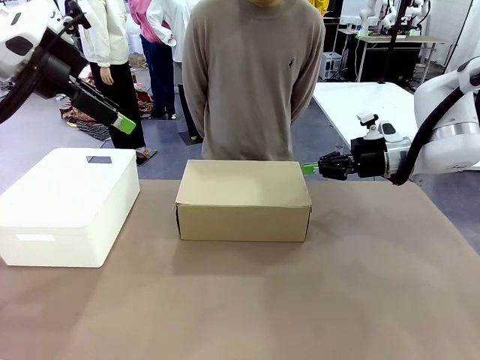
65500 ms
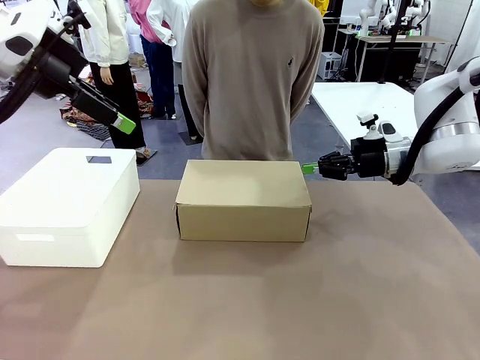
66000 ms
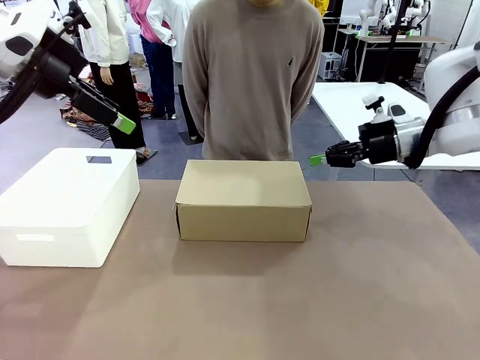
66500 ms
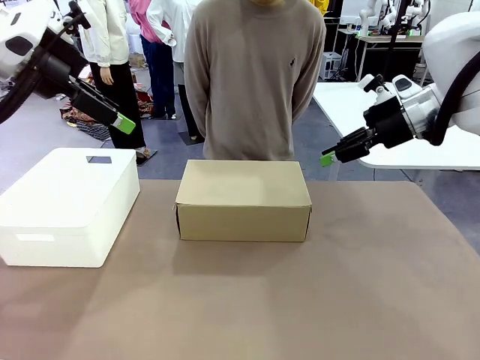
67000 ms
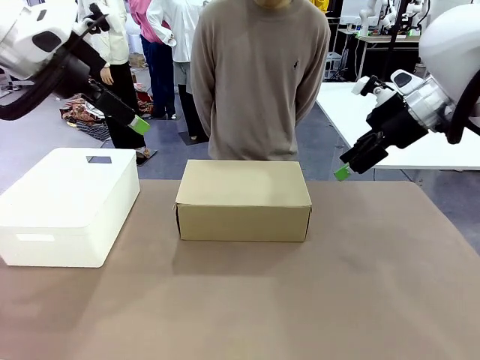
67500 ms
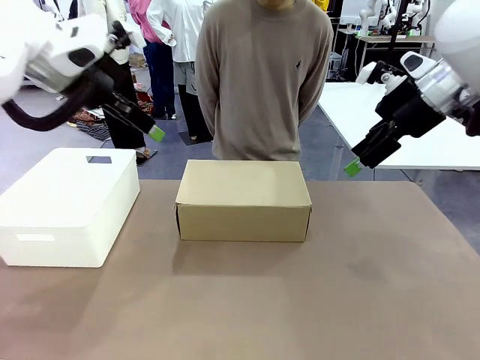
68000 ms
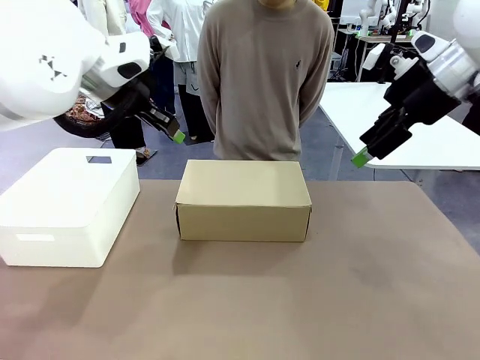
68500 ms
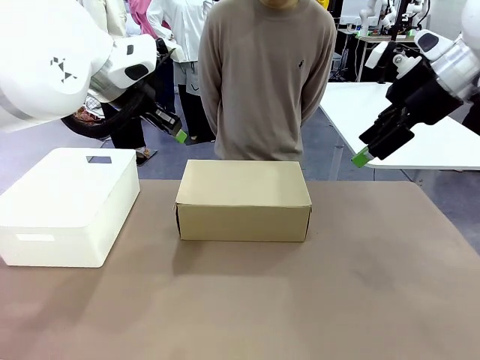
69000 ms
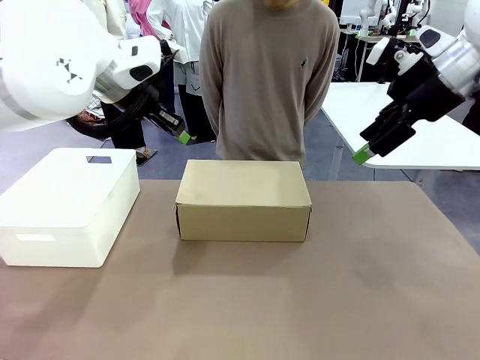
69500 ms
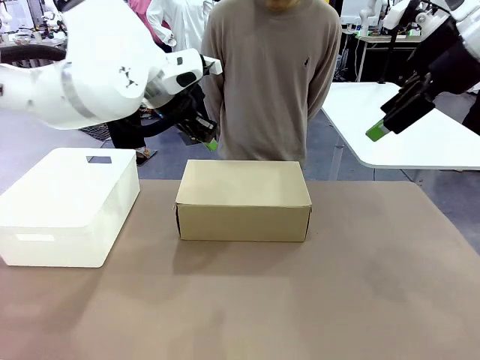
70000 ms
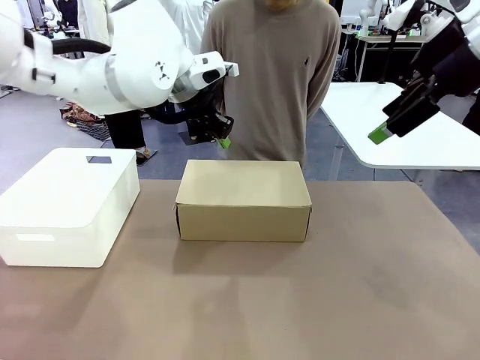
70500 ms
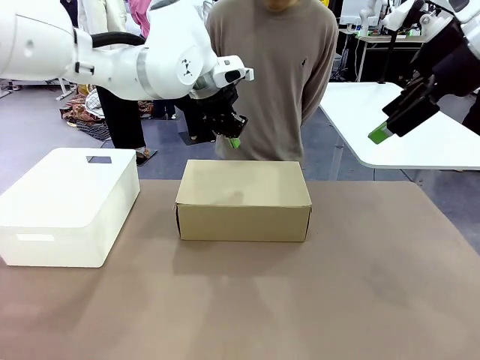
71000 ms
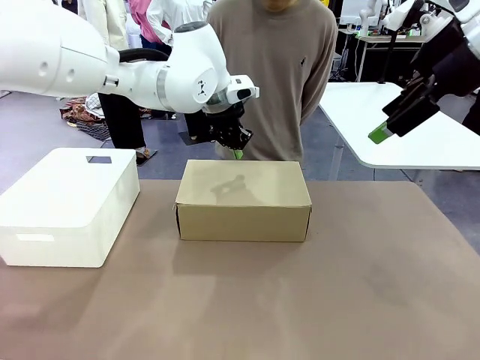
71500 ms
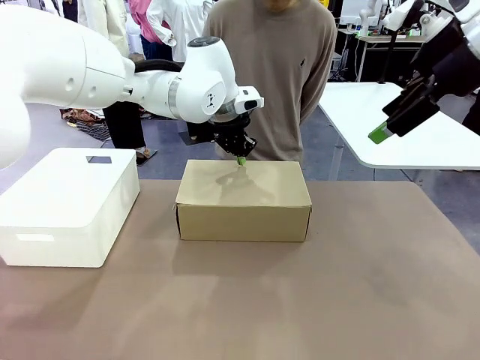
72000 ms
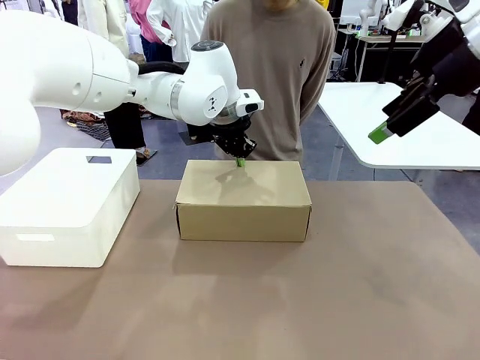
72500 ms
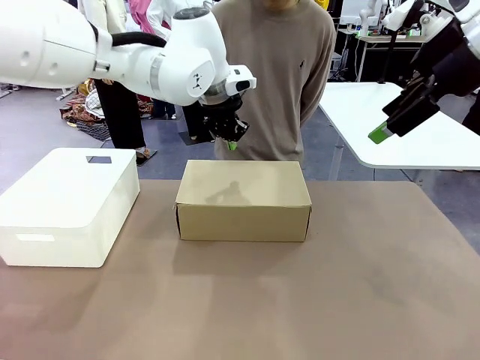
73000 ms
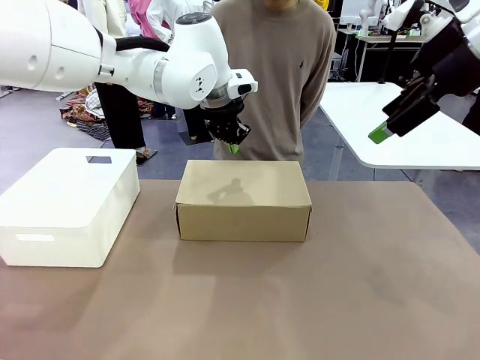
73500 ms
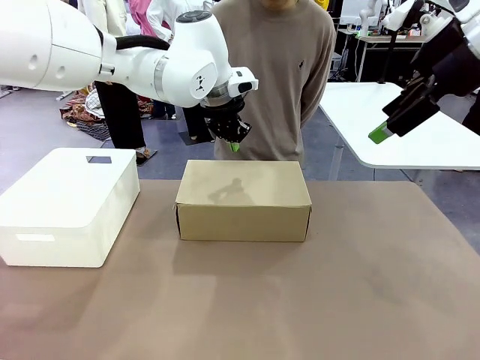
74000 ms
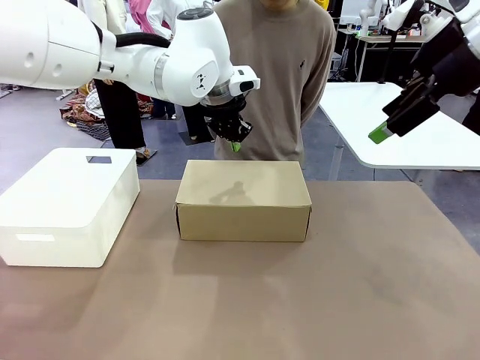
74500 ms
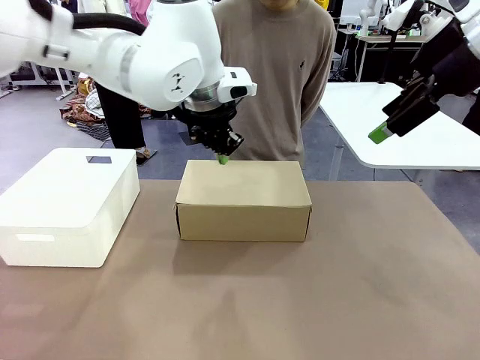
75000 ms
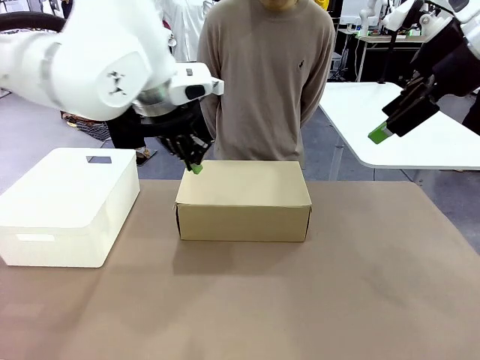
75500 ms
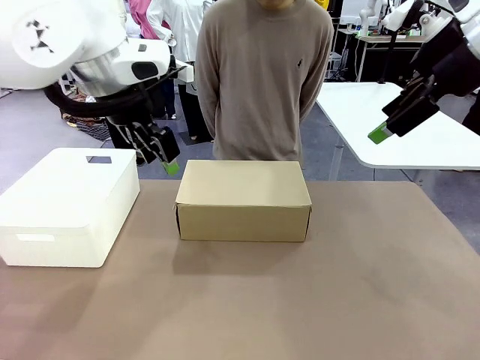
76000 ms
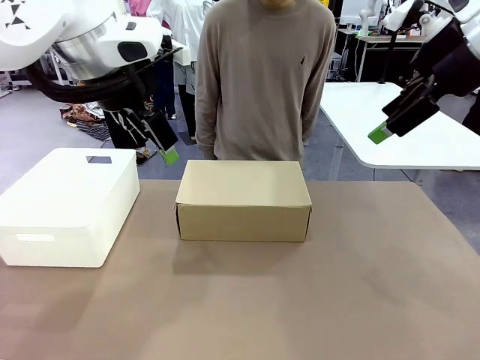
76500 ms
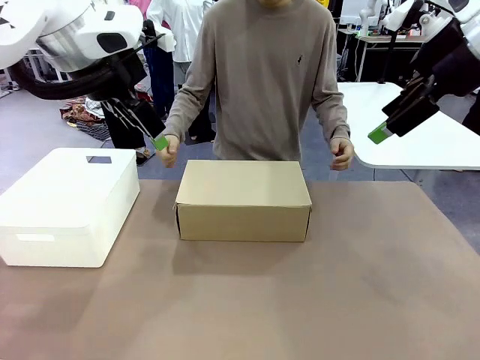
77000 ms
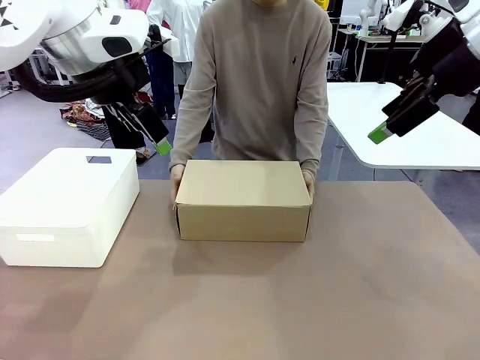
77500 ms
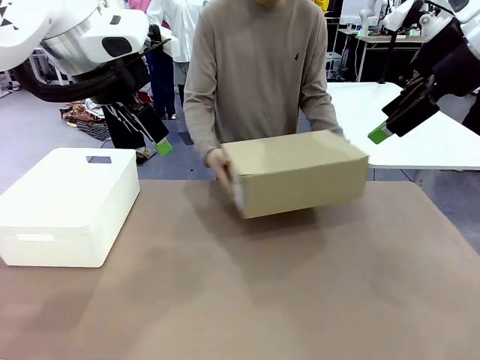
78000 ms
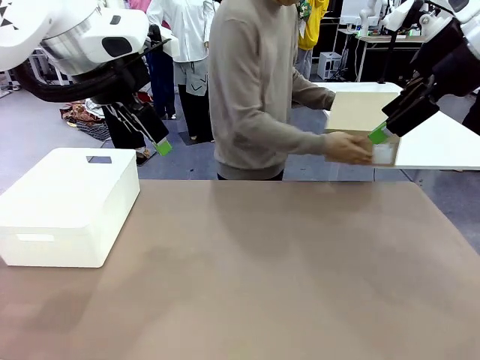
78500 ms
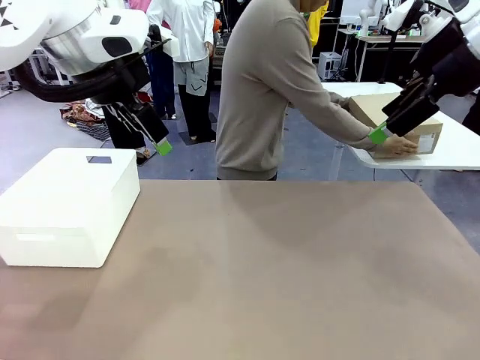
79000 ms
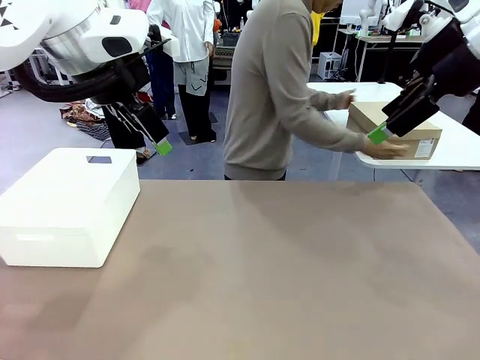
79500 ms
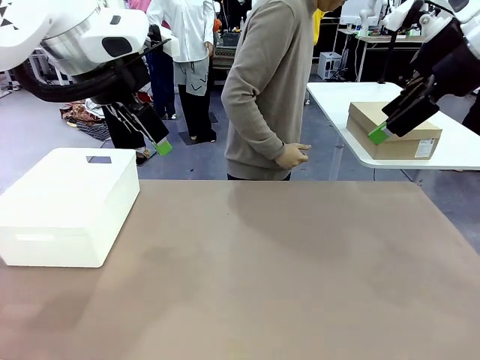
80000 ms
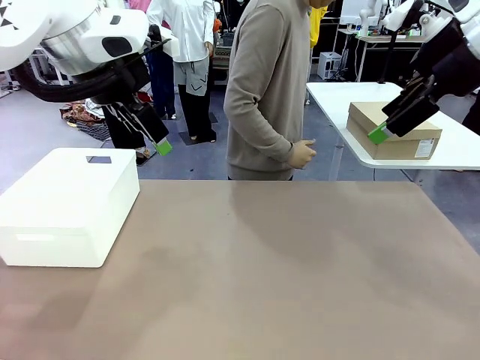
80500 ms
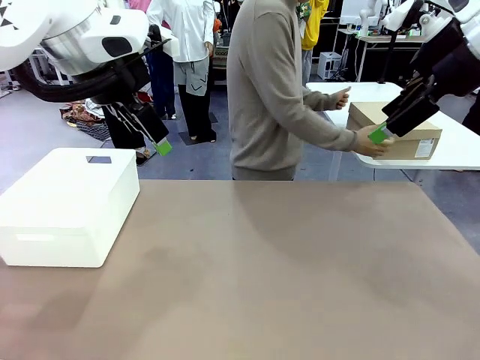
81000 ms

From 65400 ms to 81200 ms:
Task: Pack the shoes into the box.
Robot: Press down on the lid of the Shoes Box.
Person: Place the closed Shoes Box to the right side of the human table.

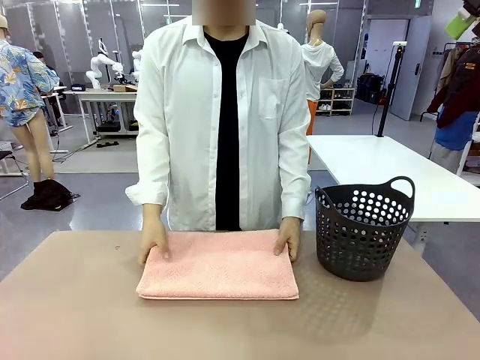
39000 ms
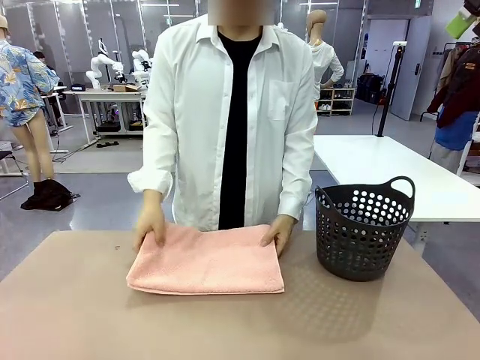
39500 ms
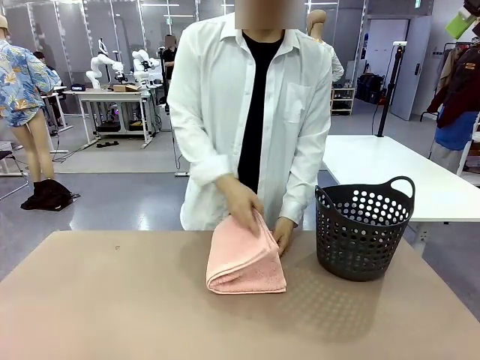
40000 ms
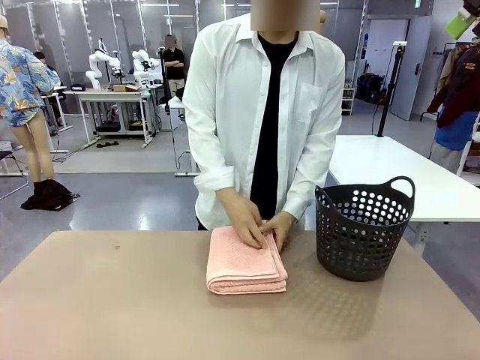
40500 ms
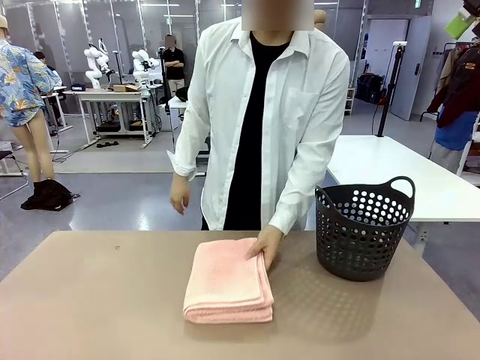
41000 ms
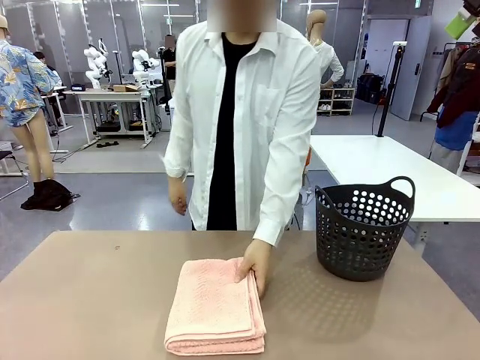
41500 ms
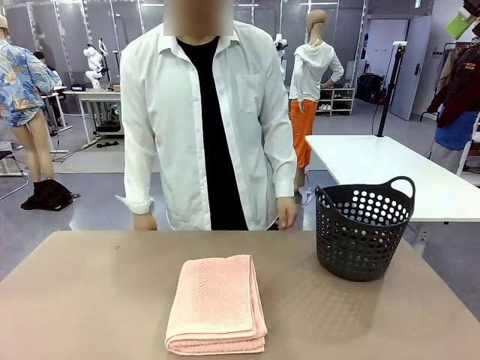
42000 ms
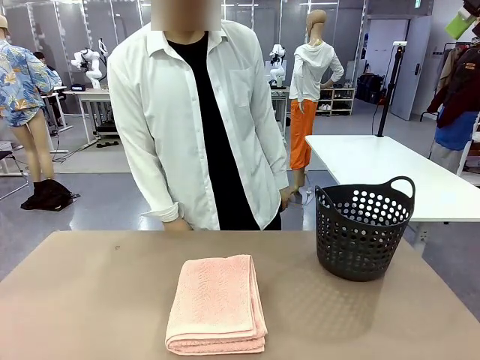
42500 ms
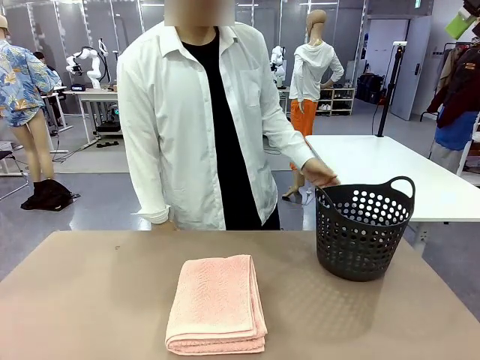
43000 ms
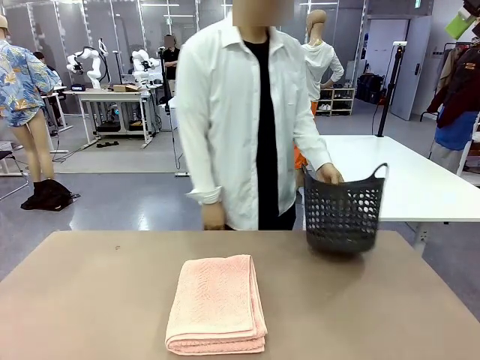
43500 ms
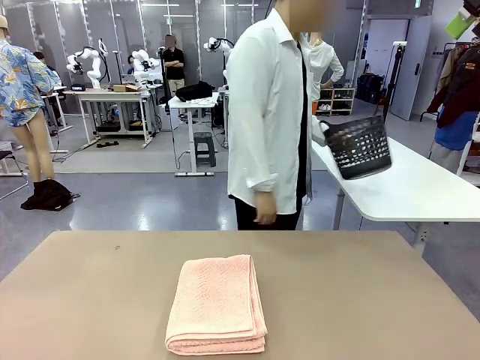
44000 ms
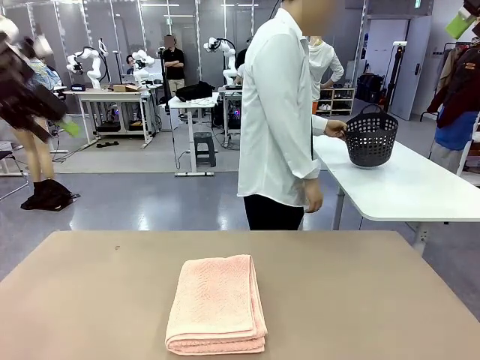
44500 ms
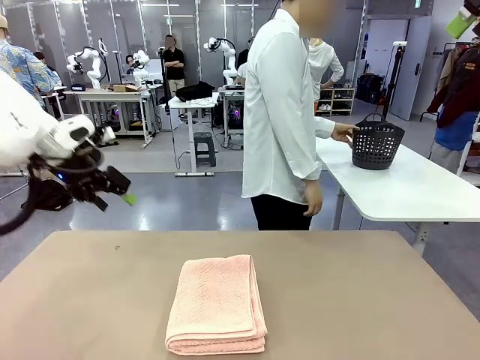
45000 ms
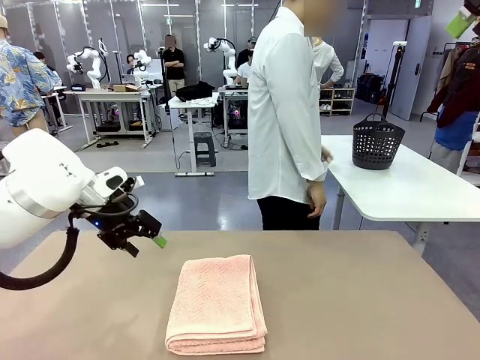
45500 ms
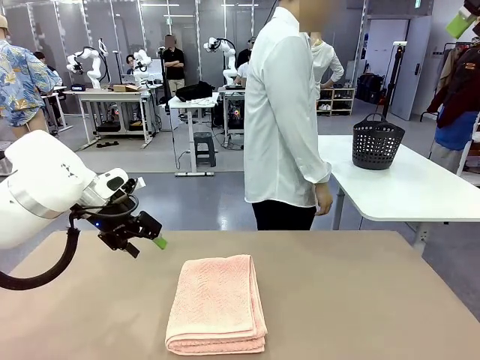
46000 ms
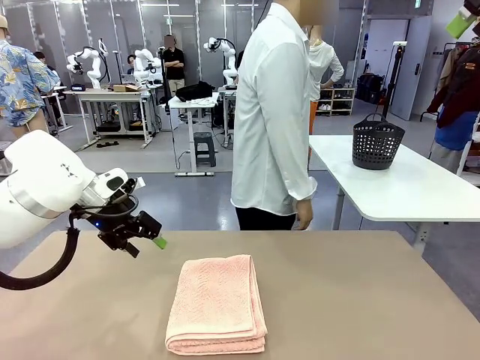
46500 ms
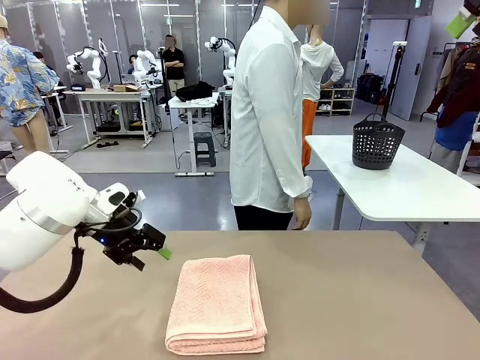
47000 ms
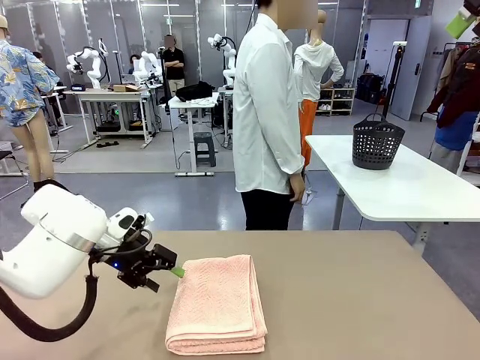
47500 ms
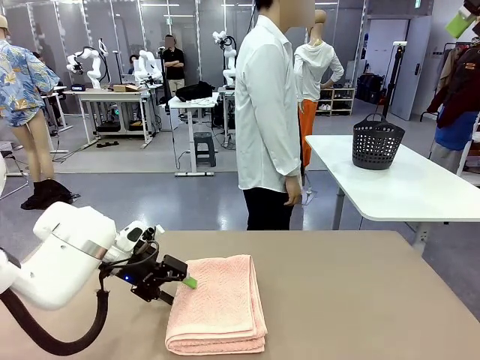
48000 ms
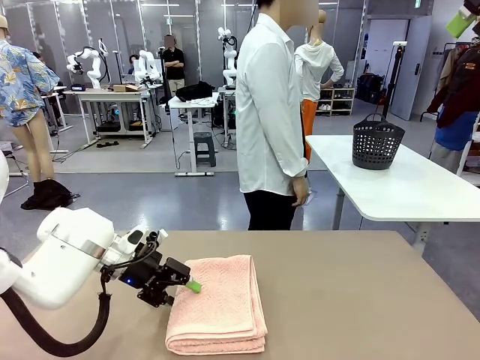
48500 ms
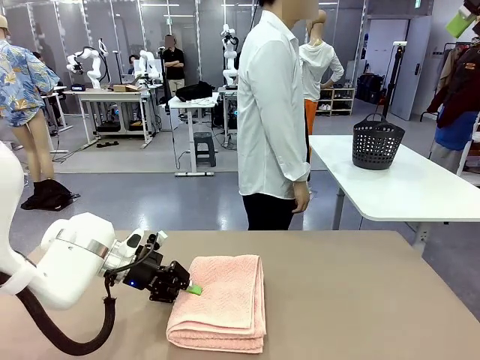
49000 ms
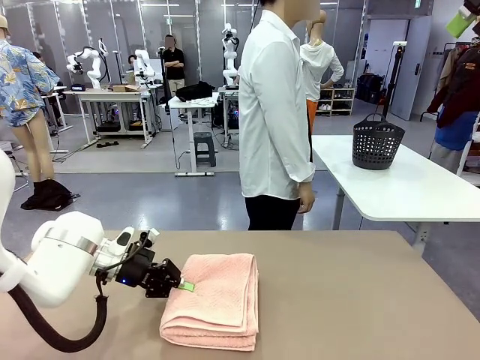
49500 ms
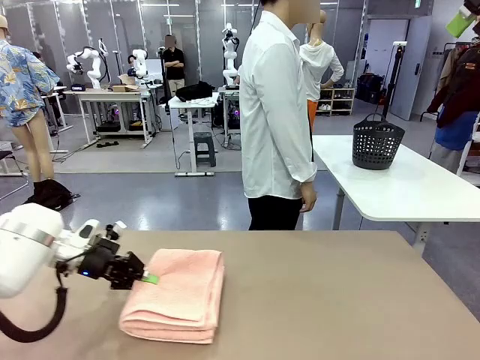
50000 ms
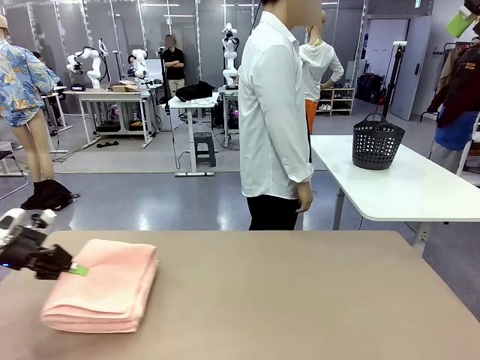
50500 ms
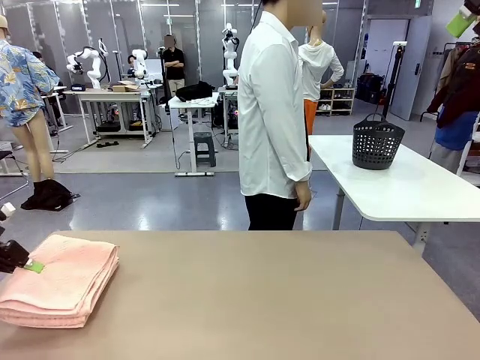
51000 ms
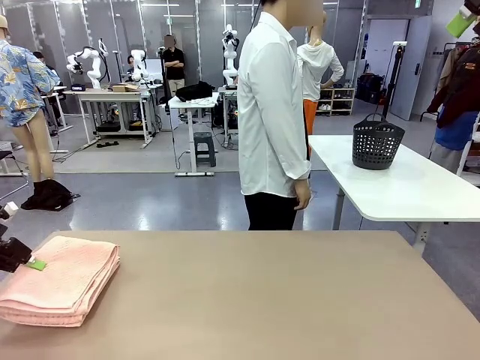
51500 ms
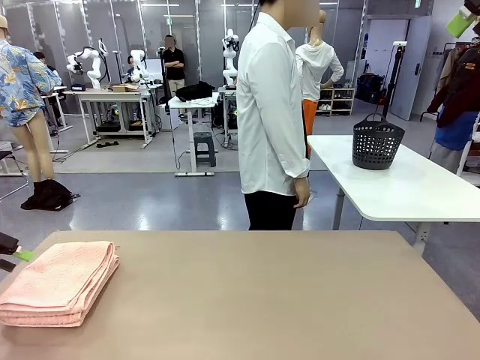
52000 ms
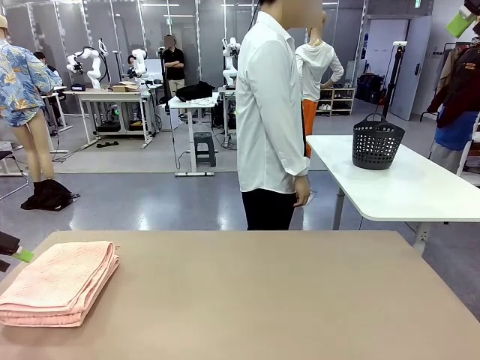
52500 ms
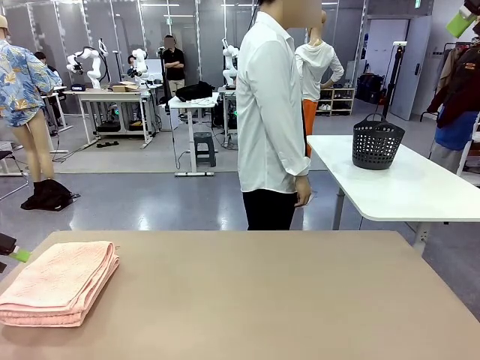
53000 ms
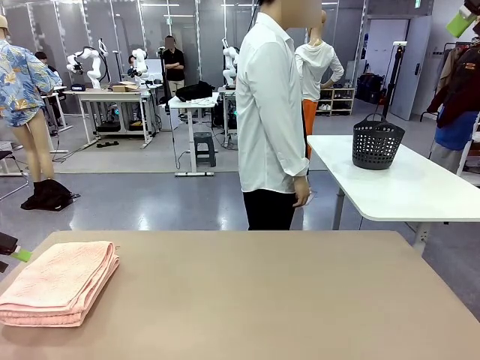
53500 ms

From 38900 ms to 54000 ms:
Task: Fold the towel.
Robot: Pick up the 100 cm Hotel Towel and place it on the left side of the table.
Person: Pick up the laundry basket and place it at the center of the human table.
